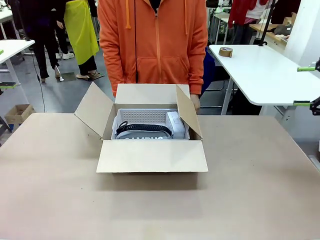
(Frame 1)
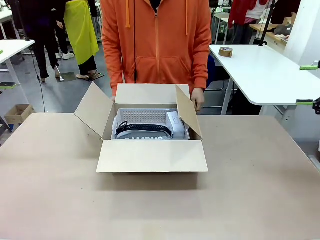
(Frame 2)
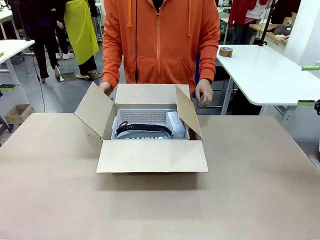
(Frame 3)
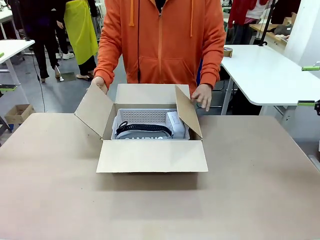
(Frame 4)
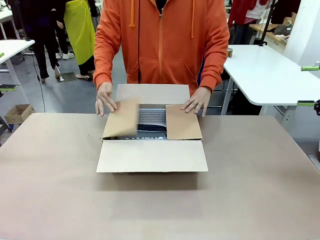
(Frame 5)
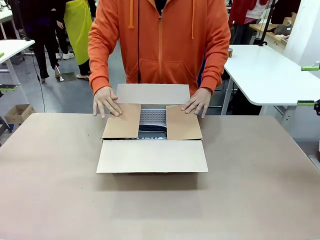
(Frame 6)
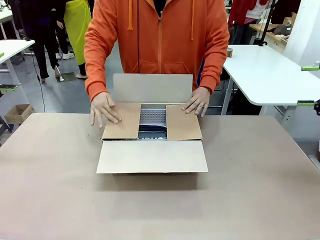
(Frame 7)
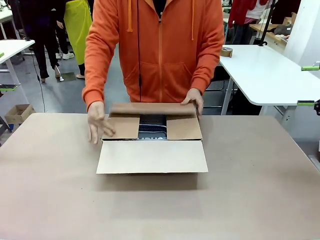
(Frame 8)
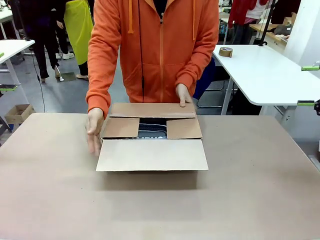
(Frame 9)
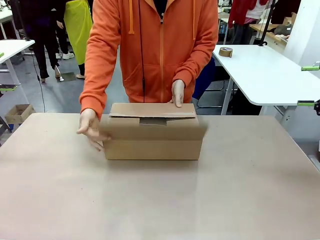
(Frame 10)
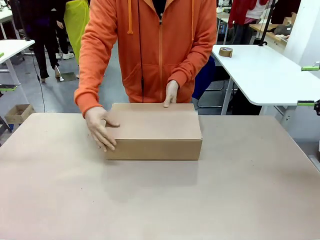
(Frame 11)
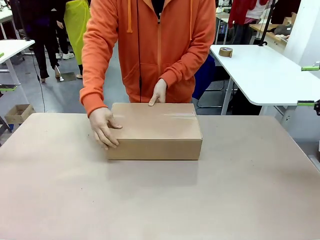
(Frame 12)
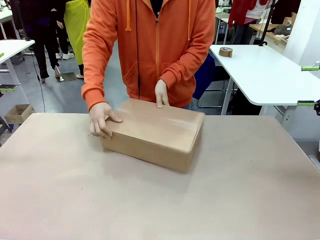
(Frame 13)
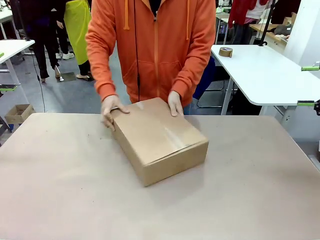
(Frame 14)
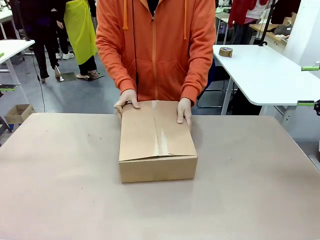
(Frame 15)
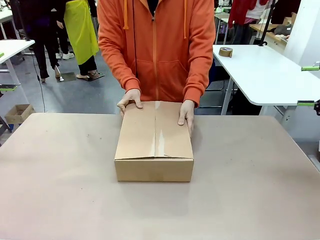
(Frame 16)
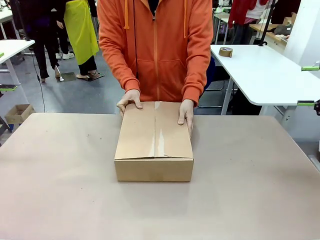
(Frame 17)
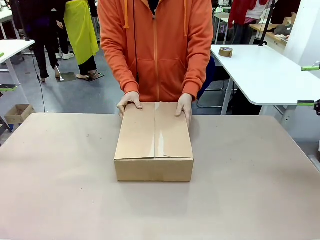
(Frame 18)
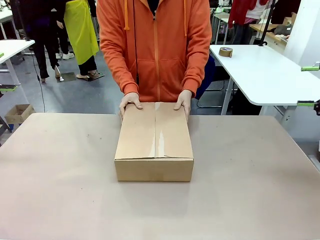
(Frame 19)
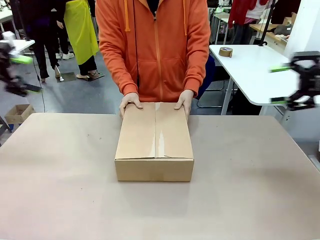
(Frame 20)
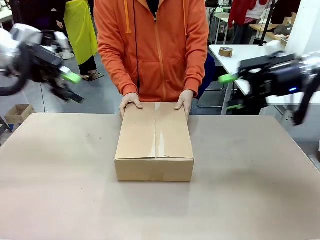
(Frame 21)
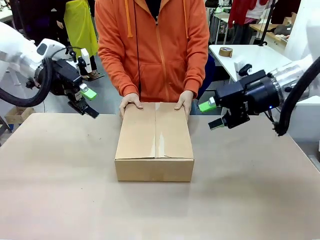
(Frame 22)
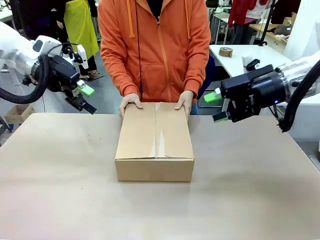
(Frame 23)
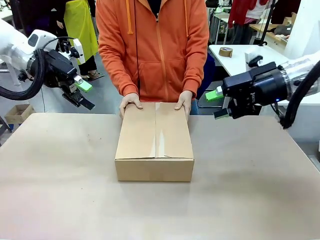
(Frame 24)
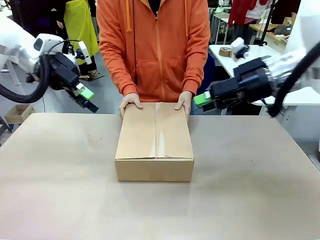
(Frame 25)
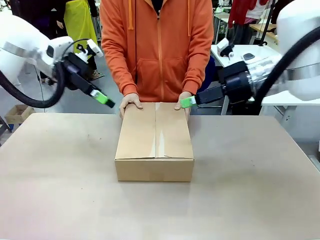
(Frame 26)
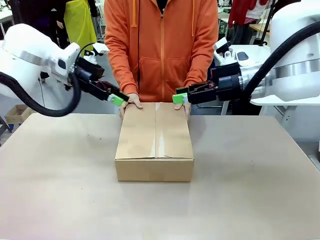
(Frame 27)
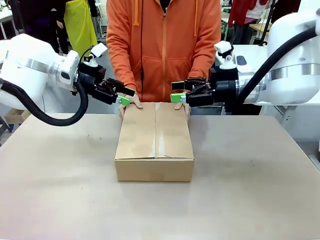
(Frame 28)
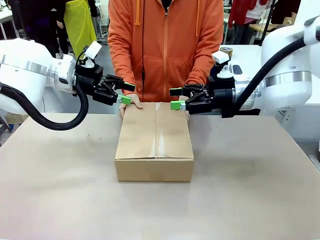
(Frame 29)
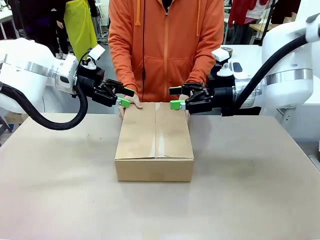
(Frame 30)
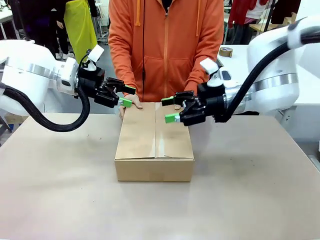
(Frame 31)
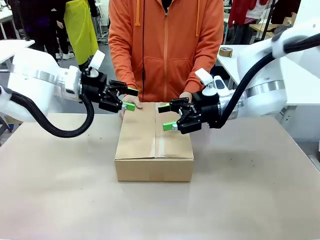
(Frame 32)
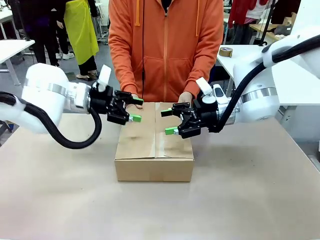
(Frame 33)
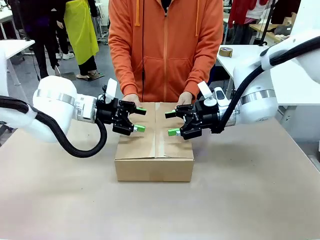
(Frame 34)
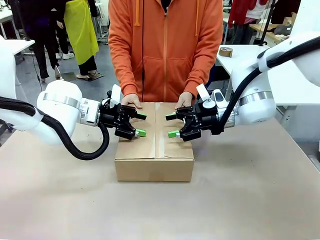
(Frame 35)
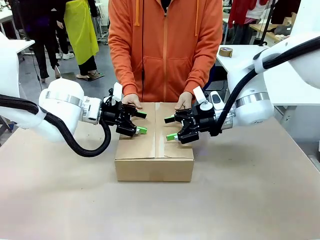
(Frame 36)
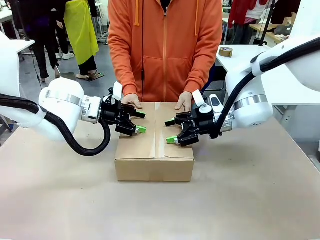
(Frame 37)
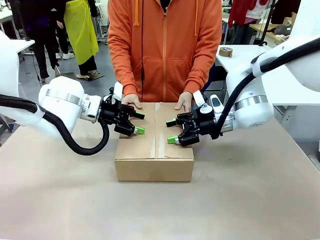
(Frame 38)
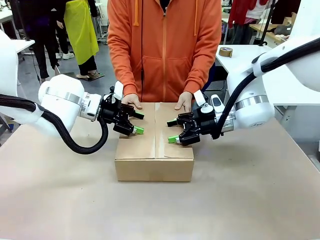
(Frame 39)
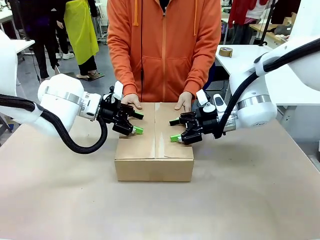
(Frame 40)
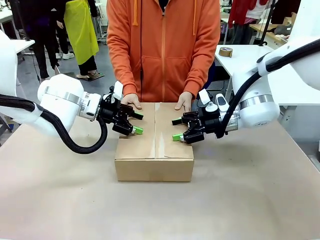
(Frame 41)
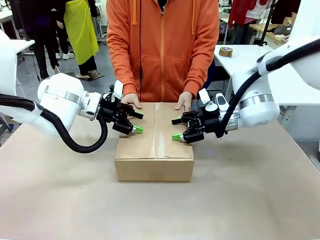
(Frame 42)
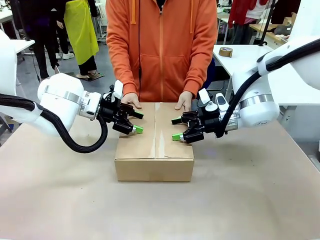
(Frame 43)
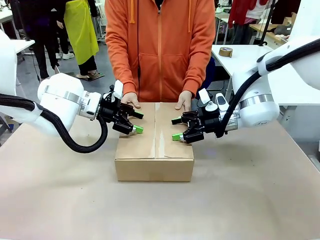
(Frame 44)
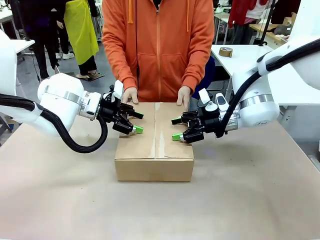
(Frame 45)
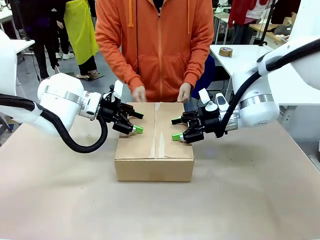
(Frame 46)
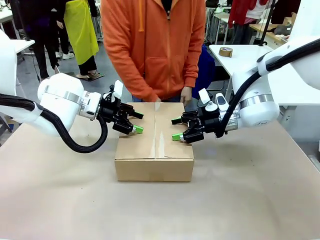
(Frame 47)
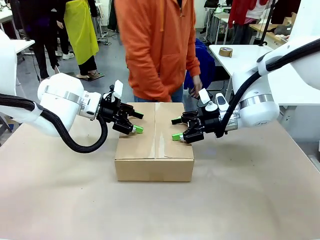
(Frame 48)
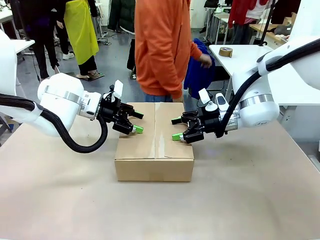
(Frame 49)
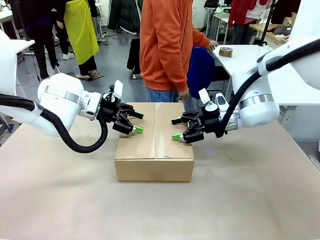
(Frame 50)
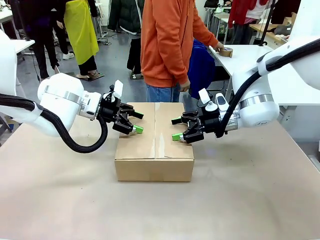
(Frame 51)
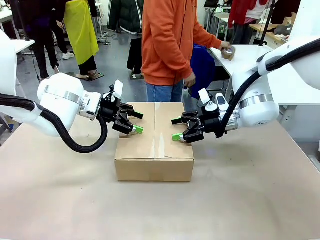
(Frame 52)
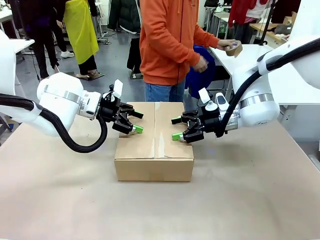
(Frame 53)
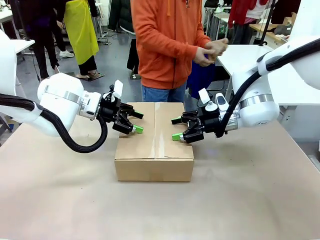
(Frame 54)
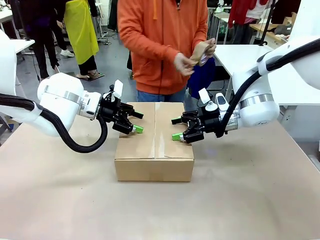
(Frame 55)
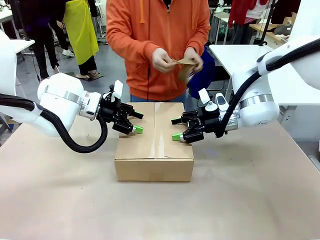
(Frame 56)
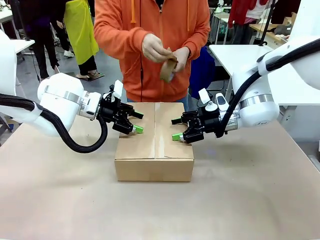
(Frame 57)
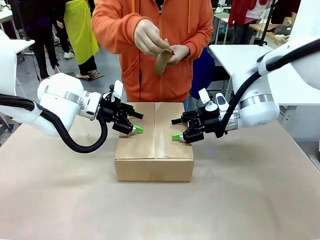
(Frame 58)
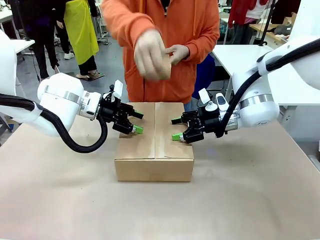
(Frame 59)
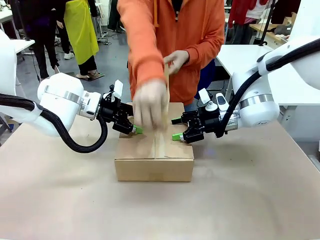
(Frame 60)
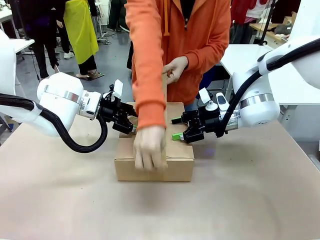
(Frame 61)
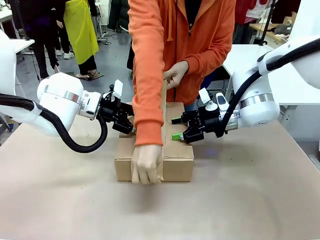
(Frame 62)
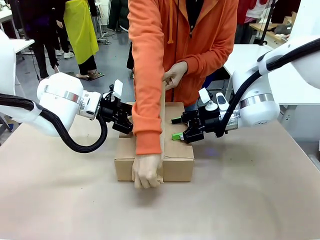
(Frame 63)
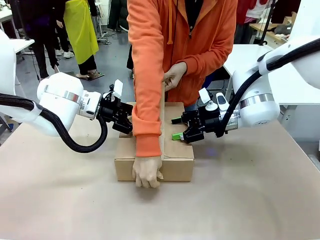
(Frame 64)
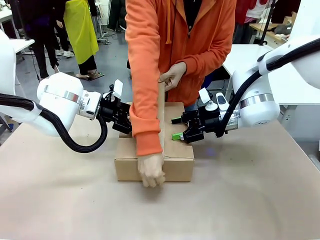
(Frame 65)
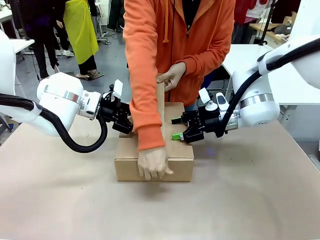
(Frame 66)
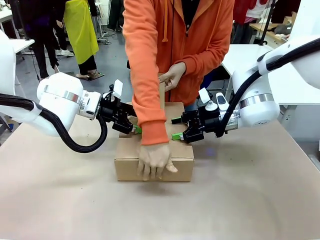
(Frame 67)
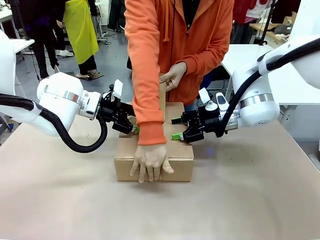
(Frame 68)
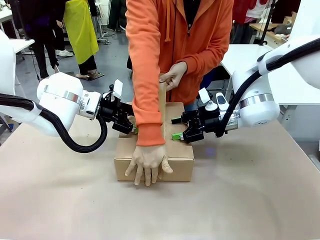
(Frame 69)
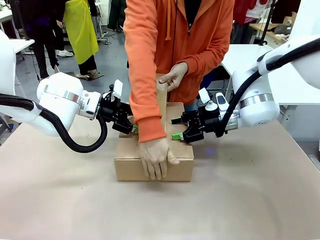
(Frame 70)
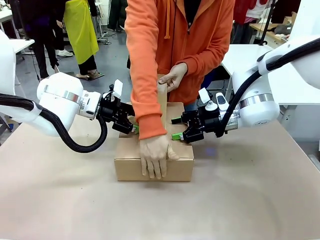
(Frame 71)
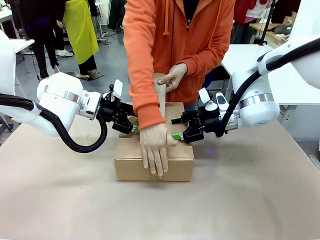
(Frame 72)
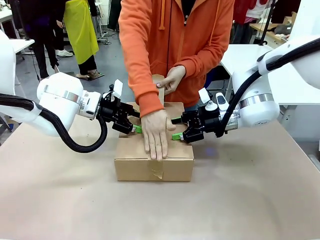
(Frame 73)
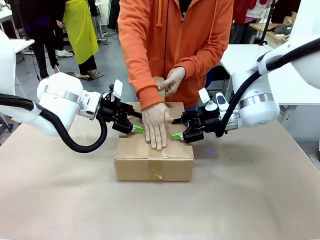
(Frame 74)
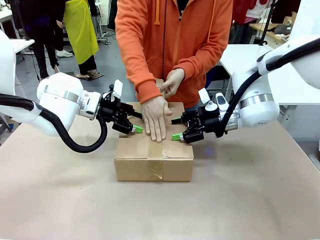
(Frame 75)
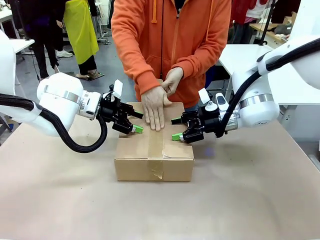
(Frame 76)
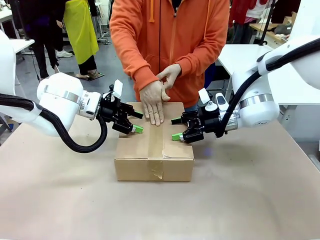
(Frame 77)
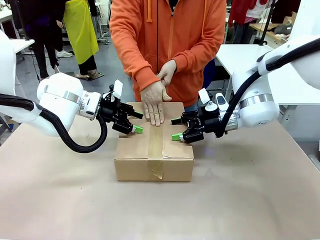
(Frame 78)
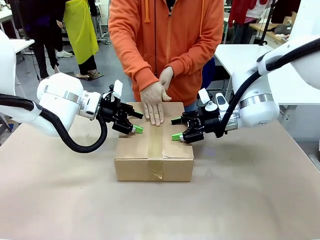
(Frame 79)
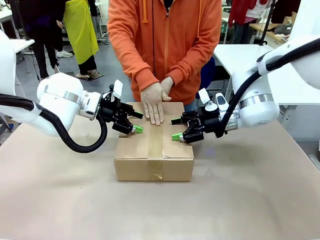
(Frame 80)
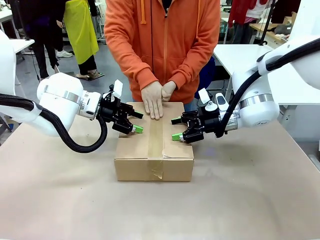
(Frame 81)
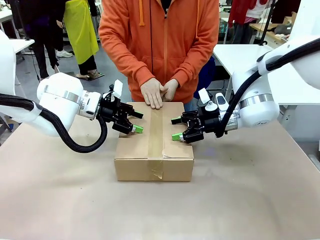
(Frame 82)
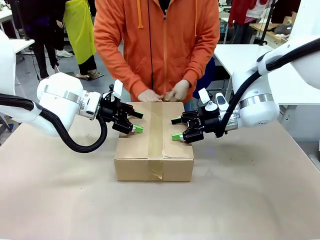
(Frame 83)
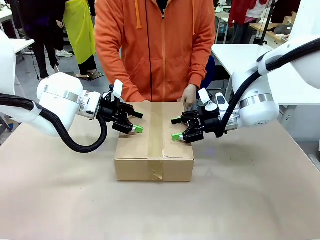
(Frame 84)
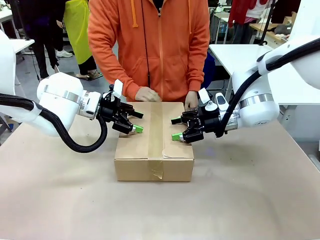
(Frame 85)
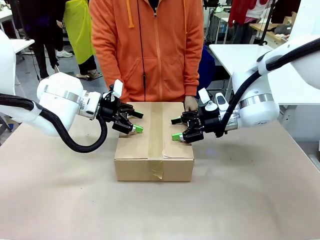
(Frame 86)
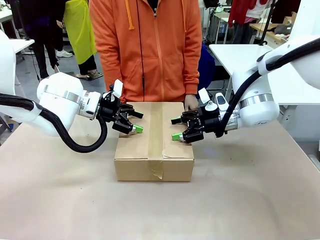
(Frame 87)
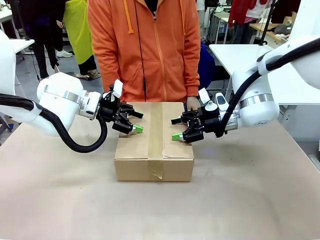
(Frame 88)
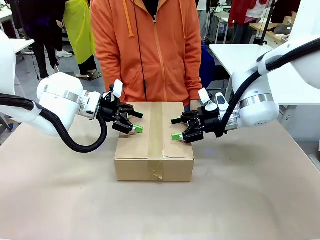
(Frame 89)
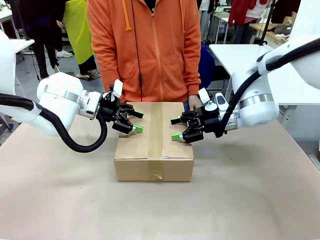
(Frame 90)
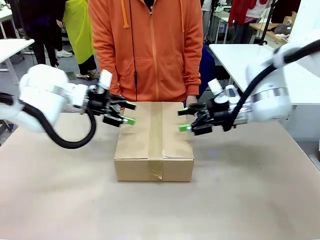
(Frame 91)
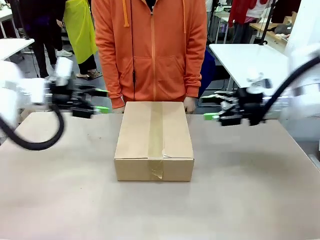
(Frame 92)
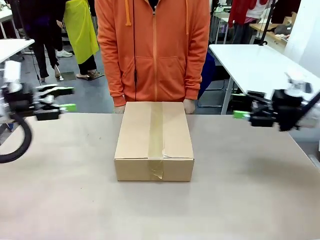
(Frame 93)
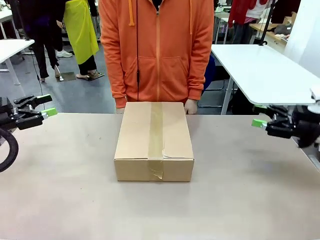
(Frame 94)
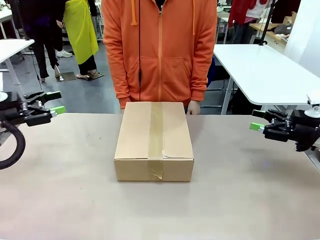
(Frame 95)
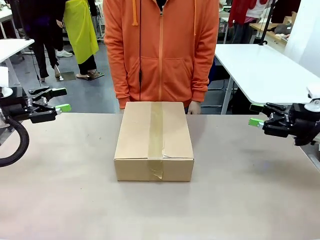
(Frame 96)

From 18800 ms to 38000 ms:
Task: Pack the gift set into the box.
Robot: Press and hold the closed box until the human finishes sealing it.
Person: The human closes the box and rotates the box by 90 degrees. The human picks up the paper tape from the human table and packs the box.
